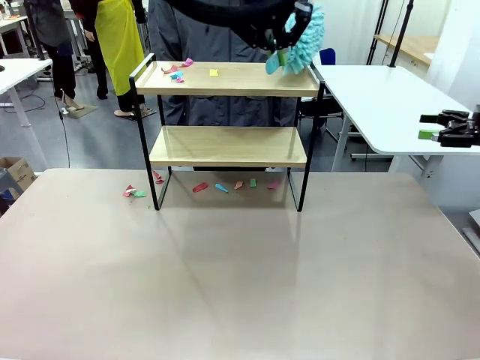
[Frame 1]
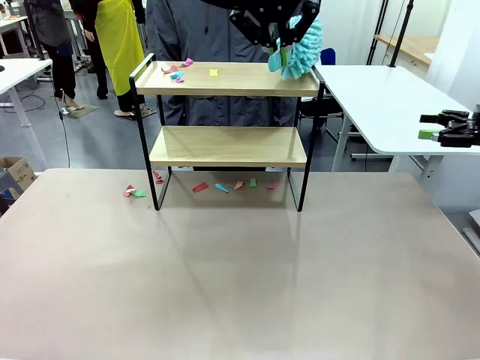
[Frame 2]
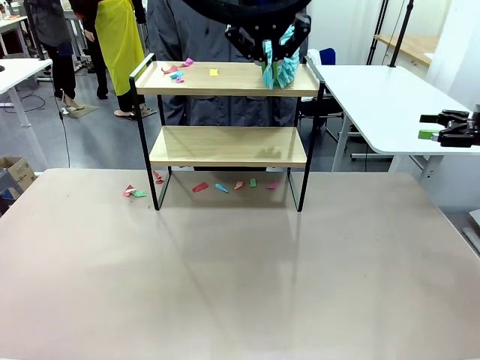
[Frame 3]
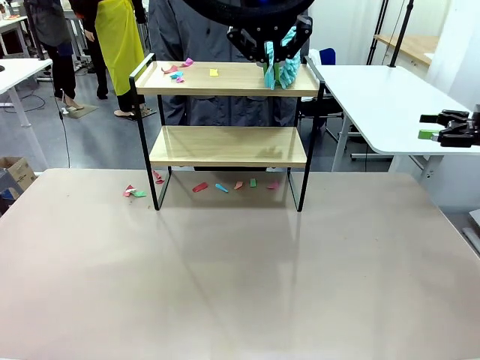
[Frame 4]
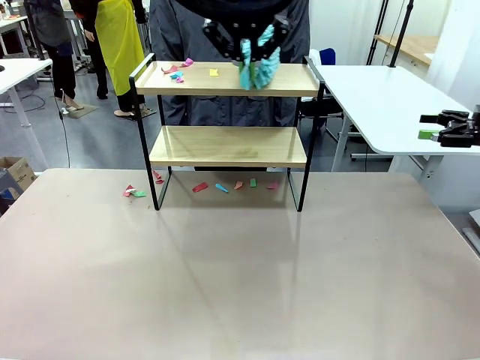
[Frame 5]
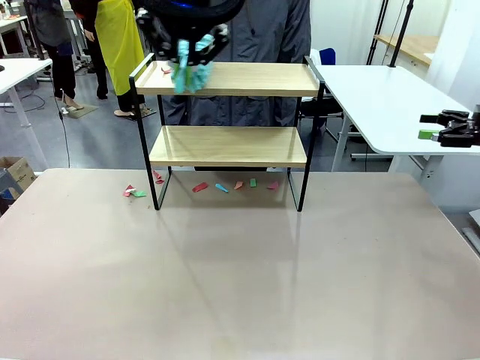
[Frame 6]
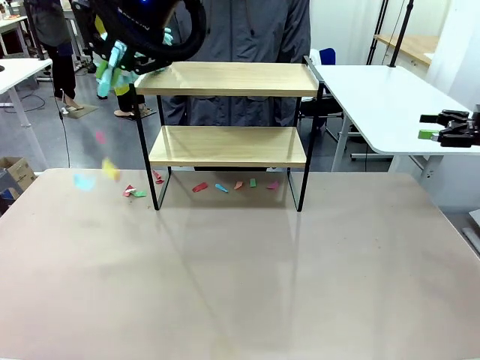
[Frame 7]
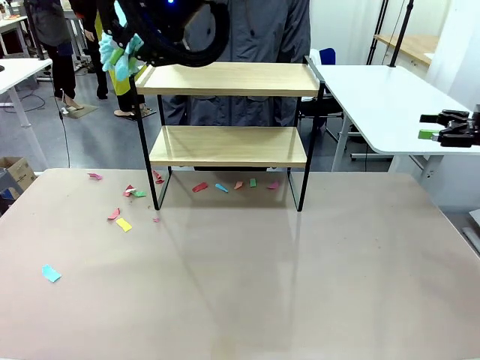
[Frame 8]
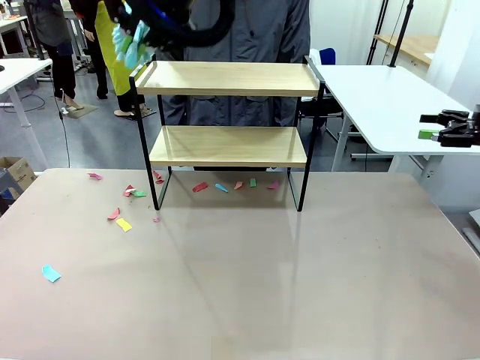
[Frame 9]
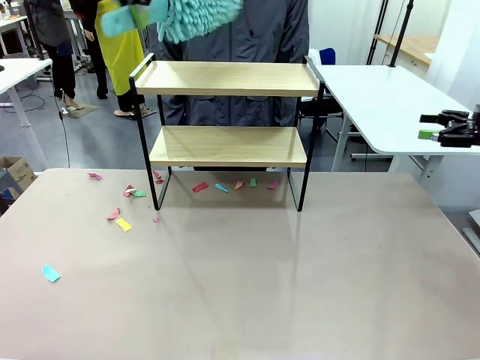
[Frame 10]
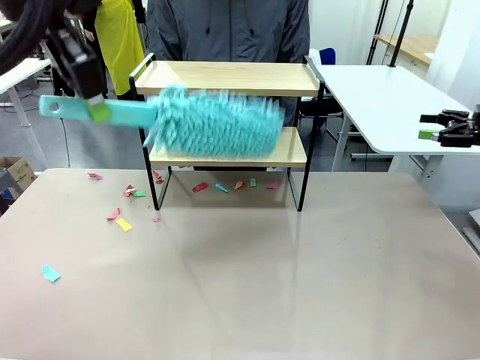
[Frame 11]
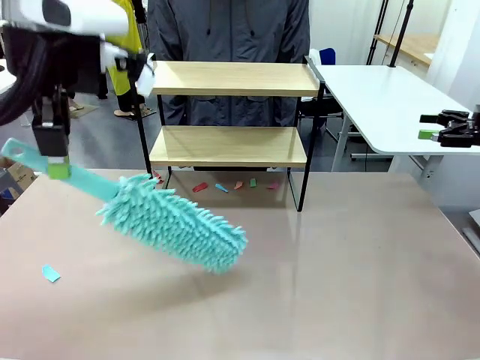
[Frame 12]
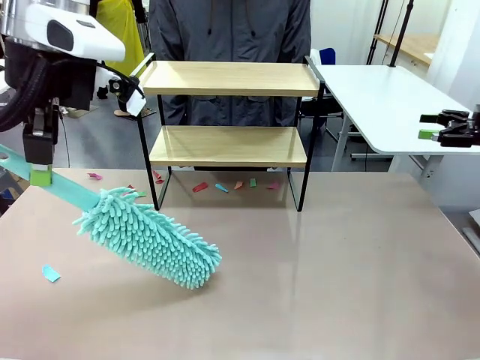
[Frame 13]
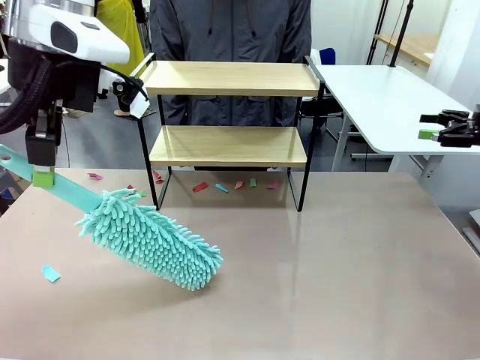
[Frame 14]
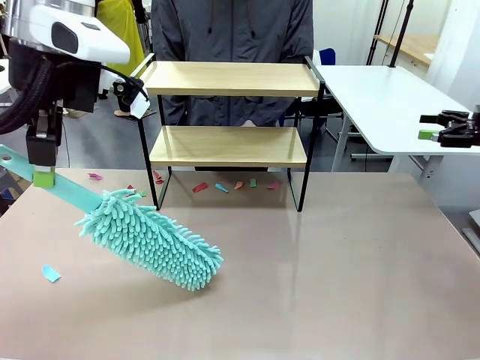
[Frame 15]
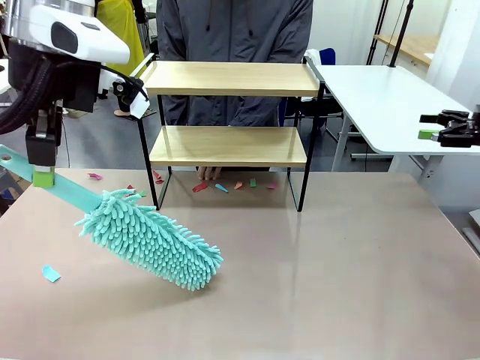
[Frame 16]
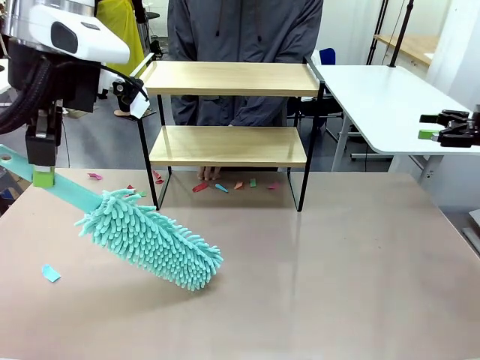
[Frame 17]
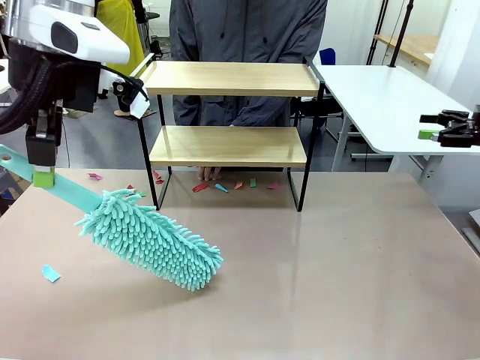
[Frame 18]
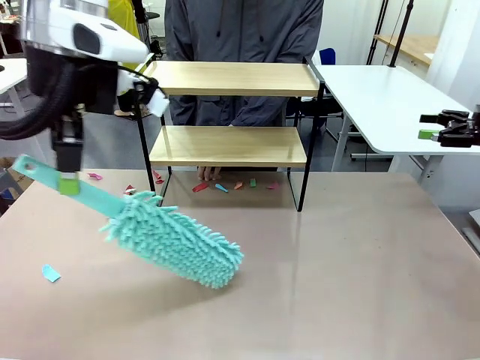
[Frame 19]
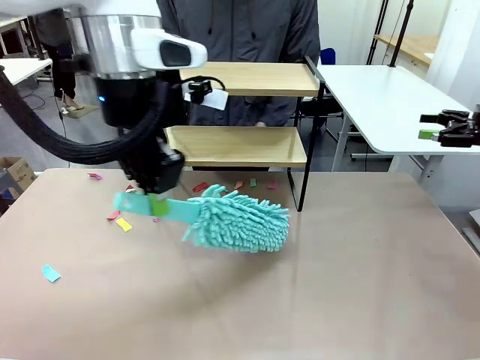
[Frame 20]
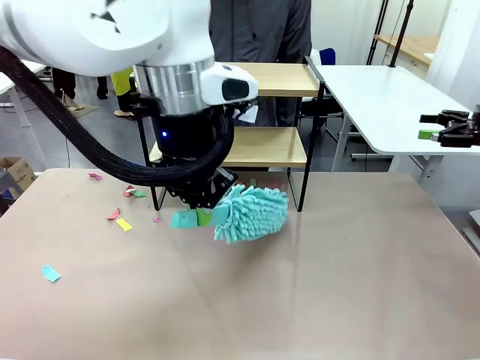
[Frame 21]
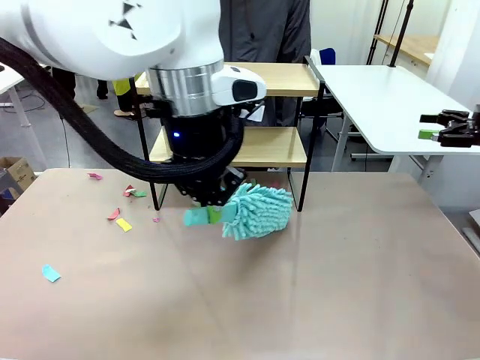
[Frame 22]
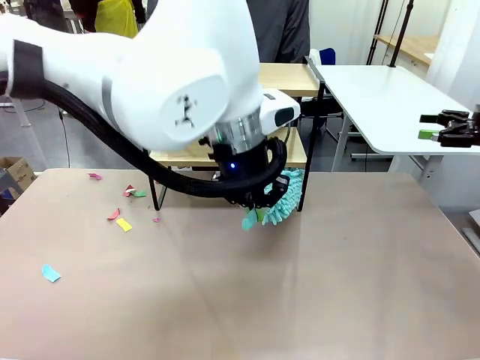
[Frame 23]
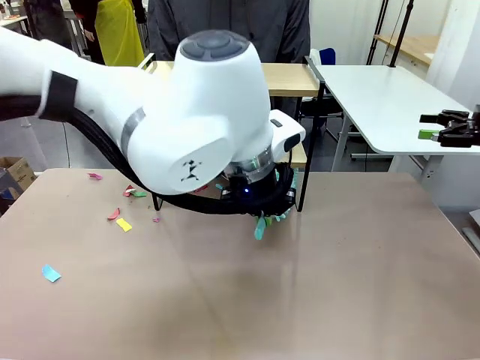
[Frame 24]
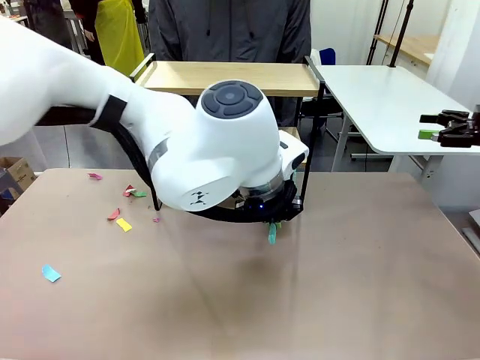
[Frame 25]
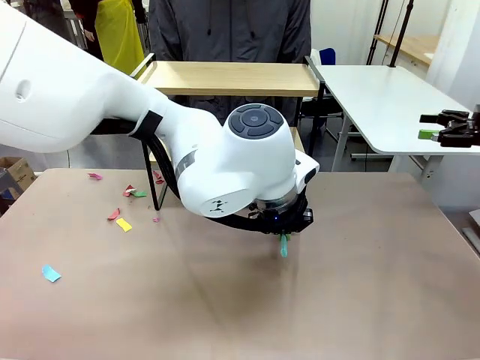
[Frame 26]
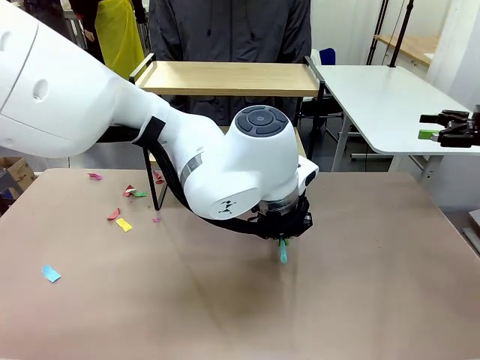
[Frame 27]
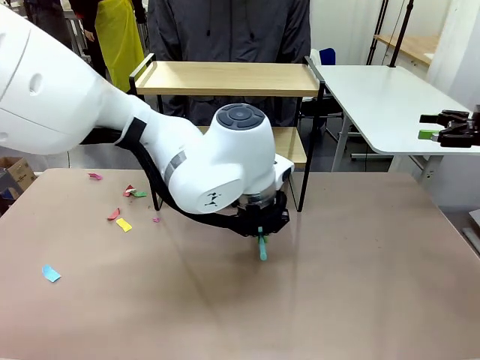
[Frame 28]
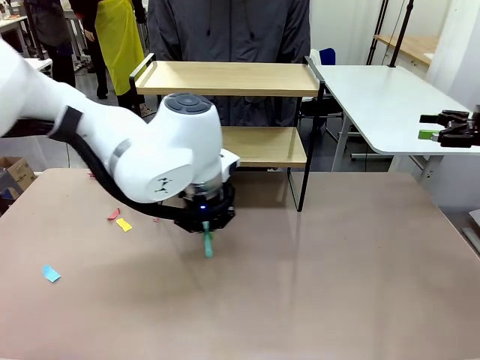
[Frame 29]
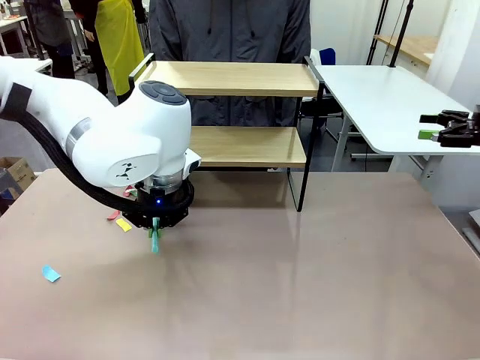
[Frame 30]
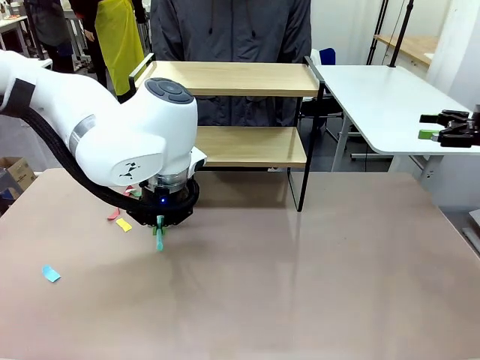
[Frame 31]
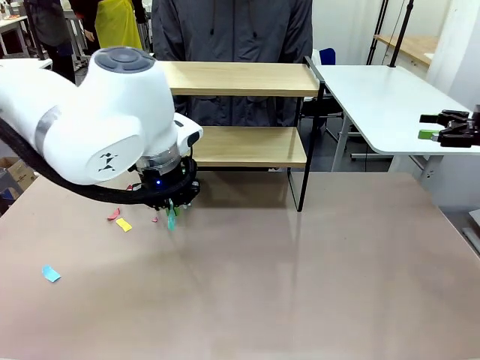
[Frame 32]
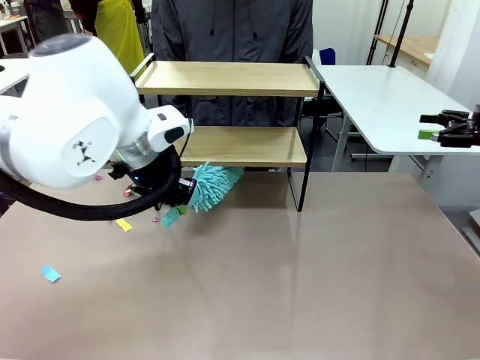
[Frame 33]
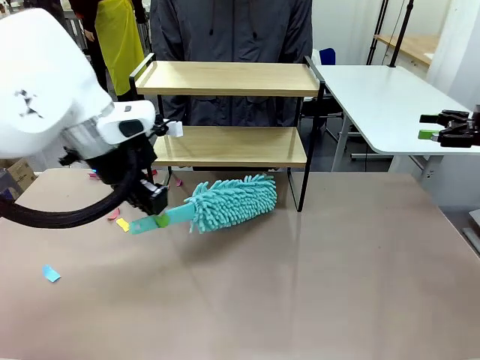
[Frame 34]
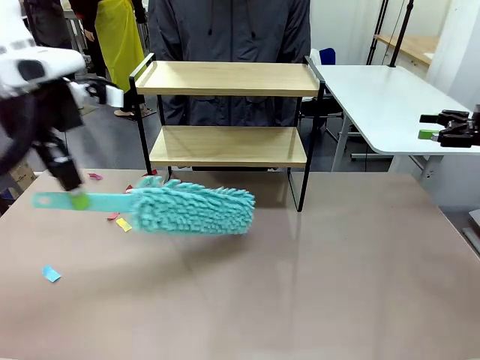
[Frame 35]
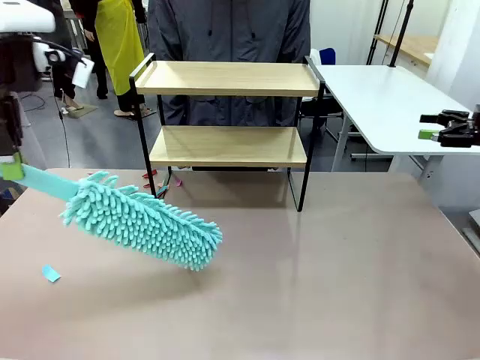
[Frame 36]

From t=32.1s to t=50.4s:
Task: Clean the shelf.
Robot: Clean the specific section of the Shelf indicated by the human with the Duster.
Person: Point a remaining section of the Shelf.
